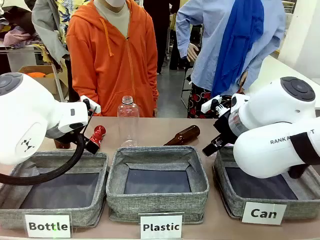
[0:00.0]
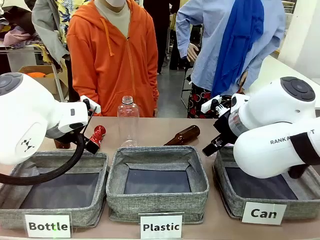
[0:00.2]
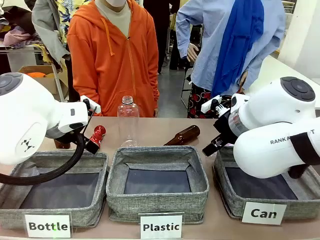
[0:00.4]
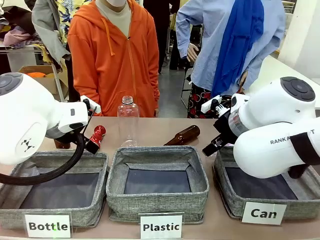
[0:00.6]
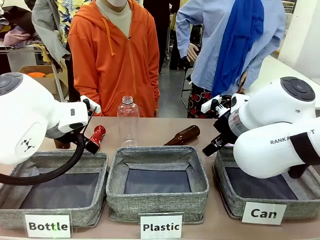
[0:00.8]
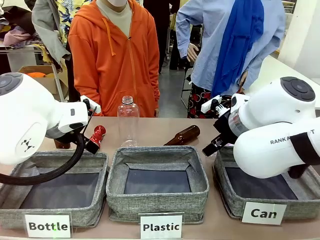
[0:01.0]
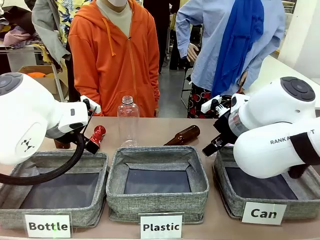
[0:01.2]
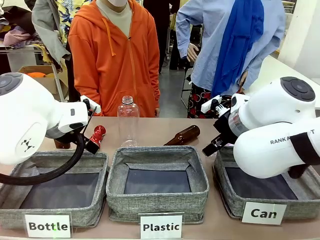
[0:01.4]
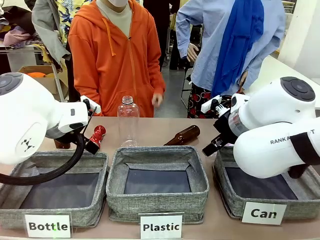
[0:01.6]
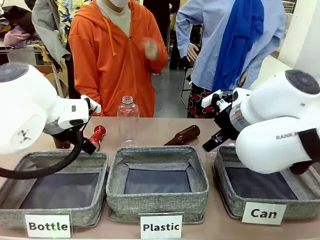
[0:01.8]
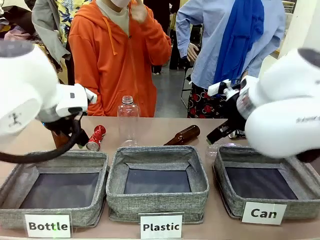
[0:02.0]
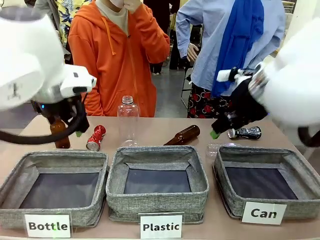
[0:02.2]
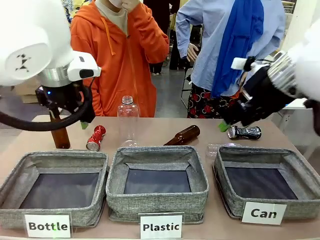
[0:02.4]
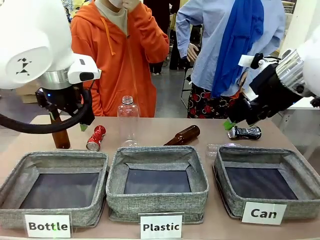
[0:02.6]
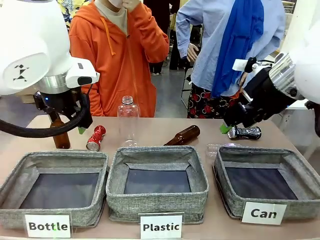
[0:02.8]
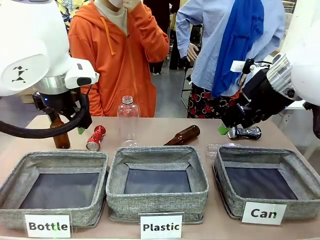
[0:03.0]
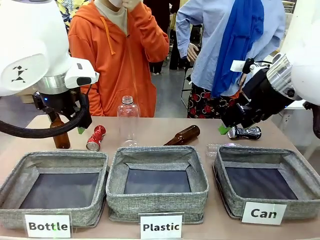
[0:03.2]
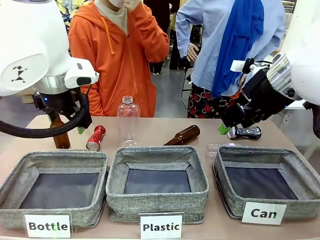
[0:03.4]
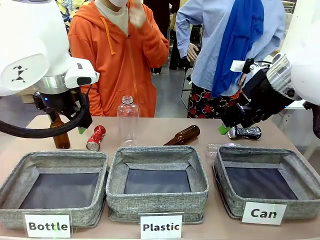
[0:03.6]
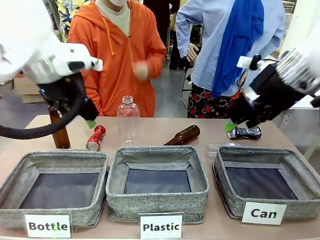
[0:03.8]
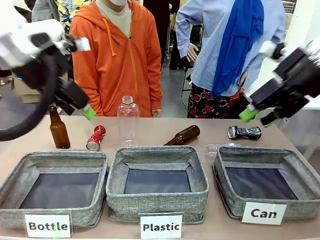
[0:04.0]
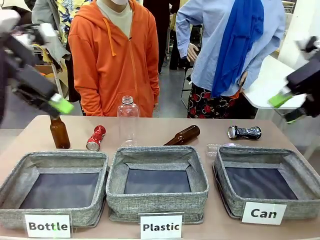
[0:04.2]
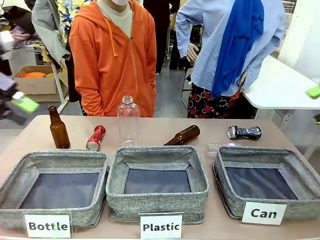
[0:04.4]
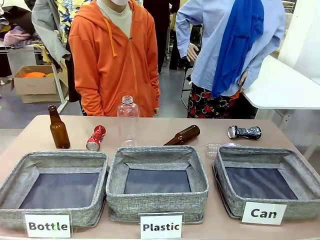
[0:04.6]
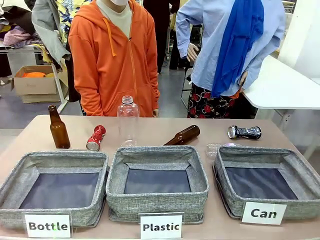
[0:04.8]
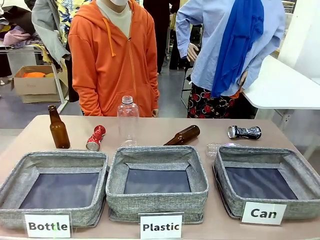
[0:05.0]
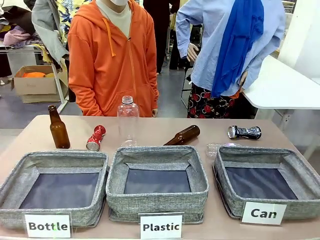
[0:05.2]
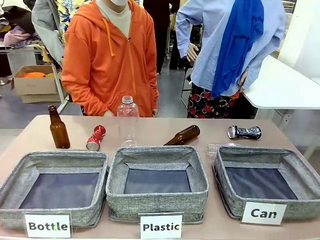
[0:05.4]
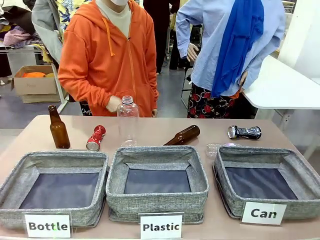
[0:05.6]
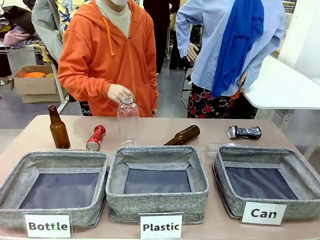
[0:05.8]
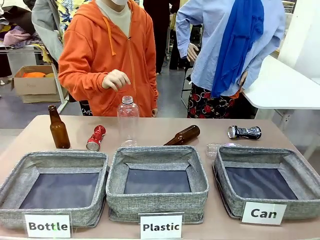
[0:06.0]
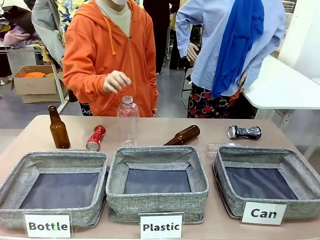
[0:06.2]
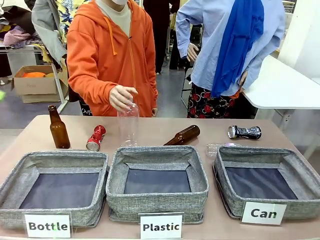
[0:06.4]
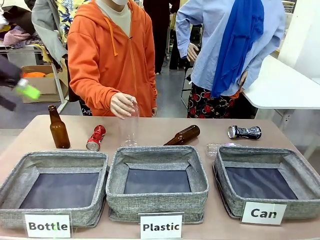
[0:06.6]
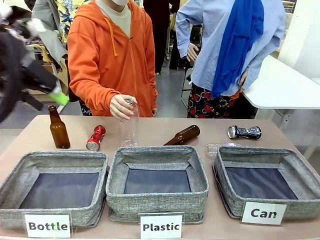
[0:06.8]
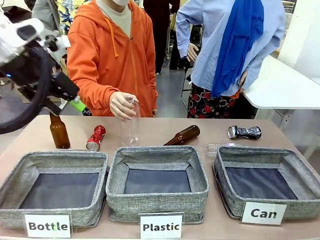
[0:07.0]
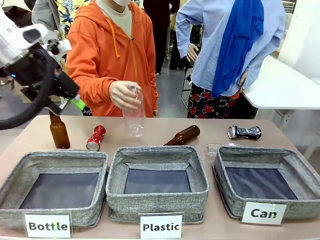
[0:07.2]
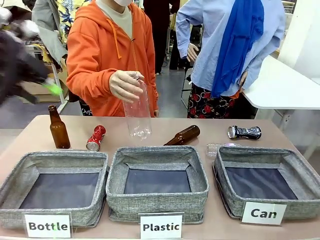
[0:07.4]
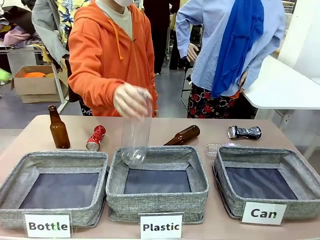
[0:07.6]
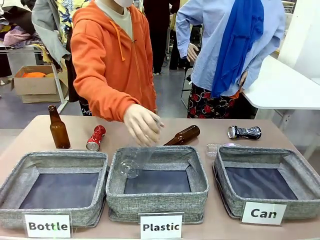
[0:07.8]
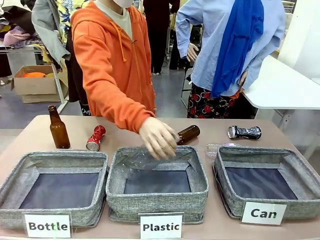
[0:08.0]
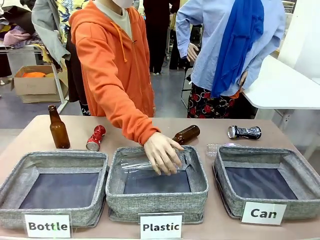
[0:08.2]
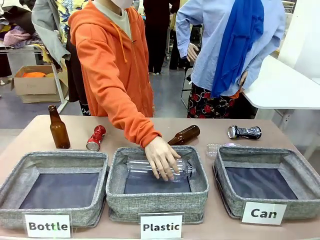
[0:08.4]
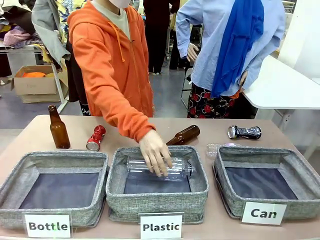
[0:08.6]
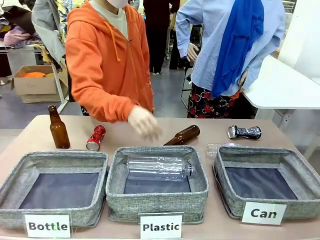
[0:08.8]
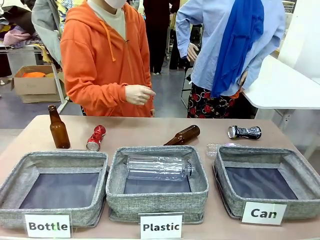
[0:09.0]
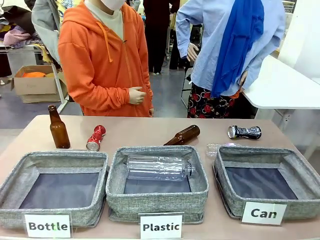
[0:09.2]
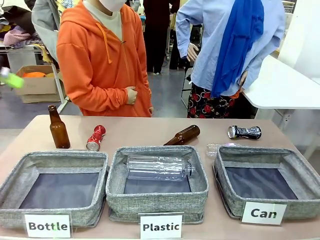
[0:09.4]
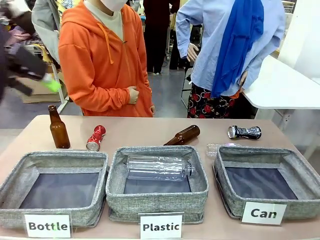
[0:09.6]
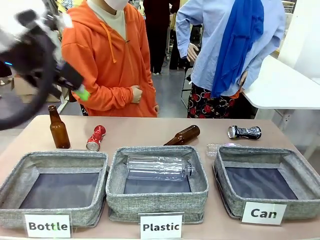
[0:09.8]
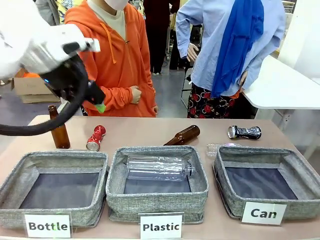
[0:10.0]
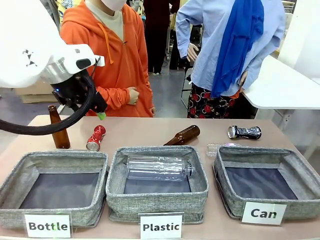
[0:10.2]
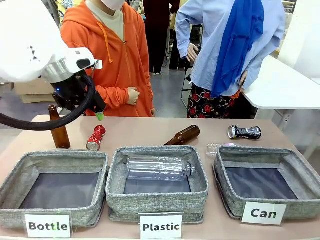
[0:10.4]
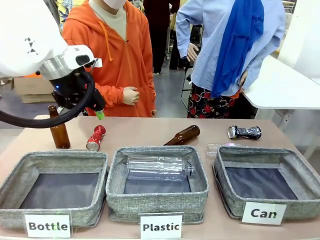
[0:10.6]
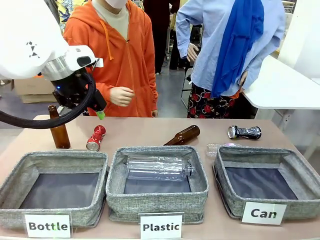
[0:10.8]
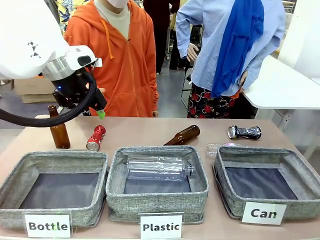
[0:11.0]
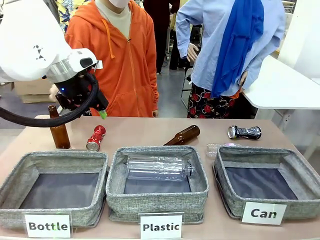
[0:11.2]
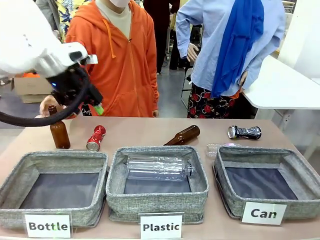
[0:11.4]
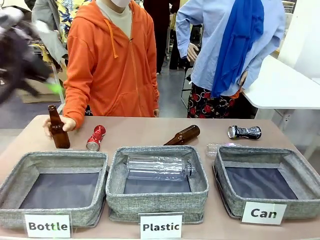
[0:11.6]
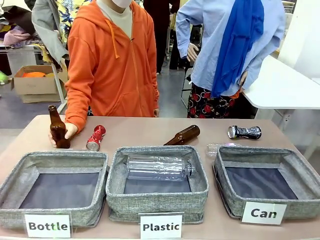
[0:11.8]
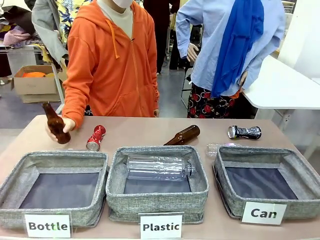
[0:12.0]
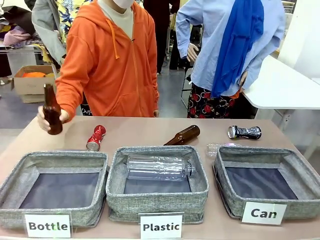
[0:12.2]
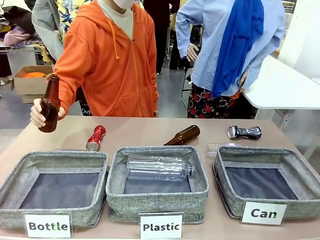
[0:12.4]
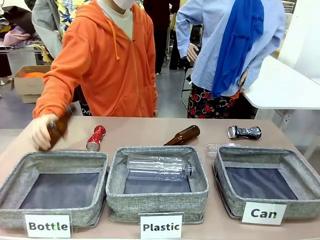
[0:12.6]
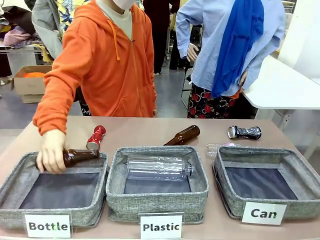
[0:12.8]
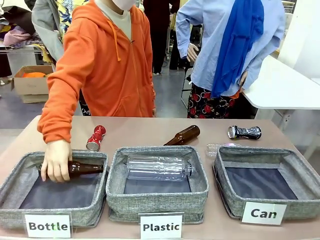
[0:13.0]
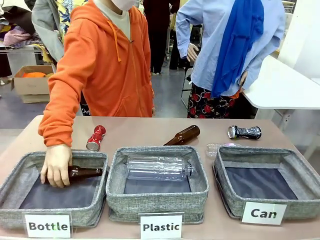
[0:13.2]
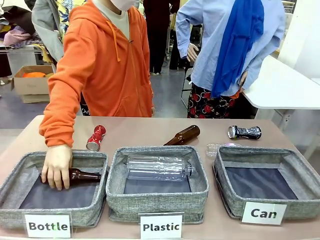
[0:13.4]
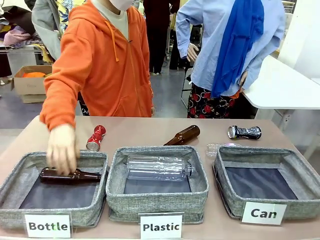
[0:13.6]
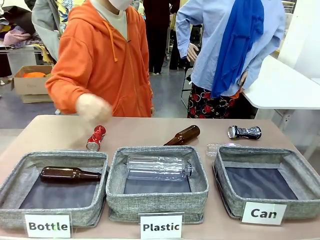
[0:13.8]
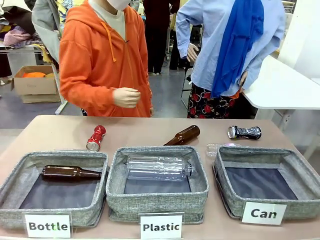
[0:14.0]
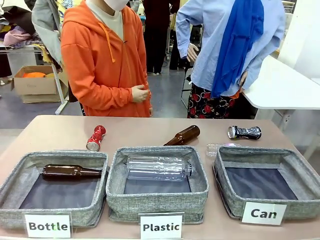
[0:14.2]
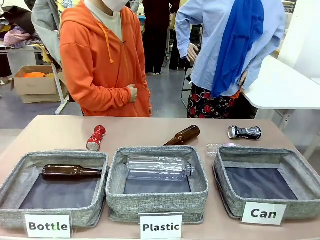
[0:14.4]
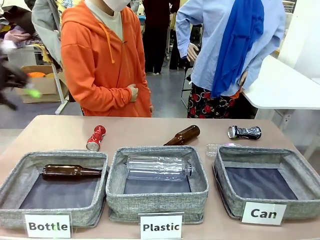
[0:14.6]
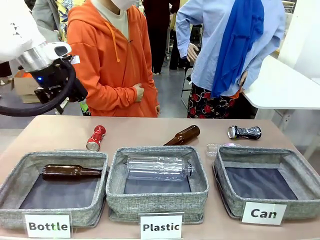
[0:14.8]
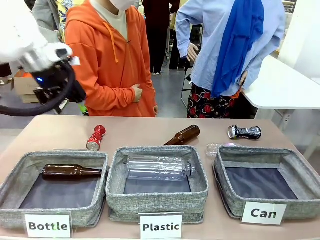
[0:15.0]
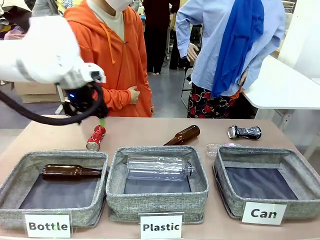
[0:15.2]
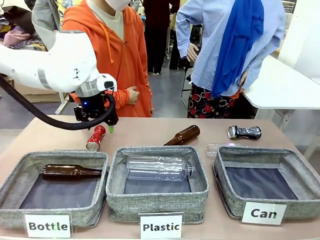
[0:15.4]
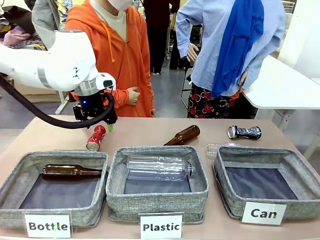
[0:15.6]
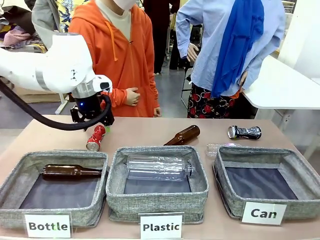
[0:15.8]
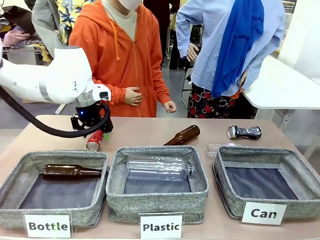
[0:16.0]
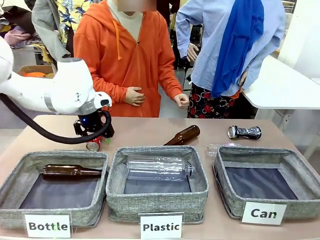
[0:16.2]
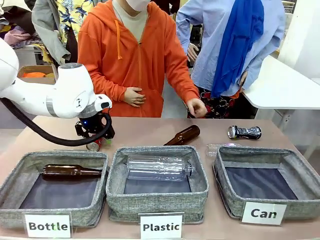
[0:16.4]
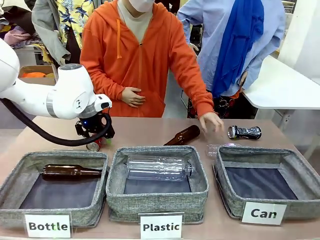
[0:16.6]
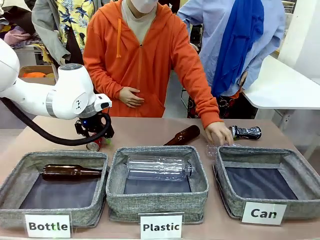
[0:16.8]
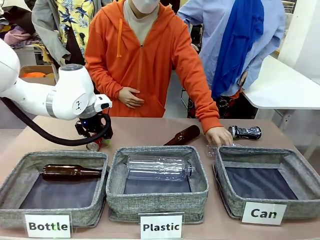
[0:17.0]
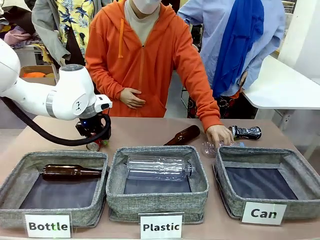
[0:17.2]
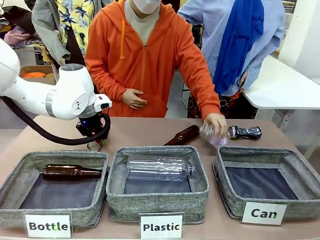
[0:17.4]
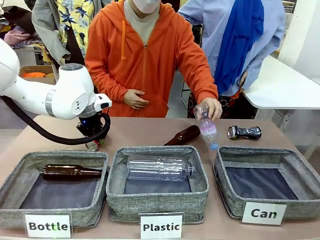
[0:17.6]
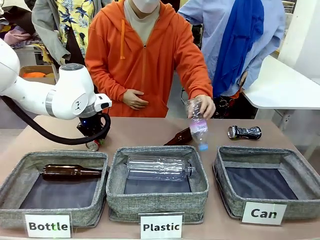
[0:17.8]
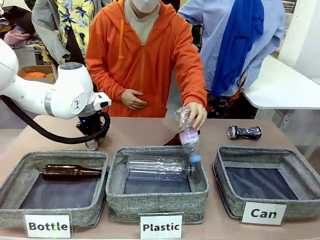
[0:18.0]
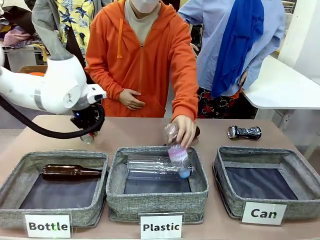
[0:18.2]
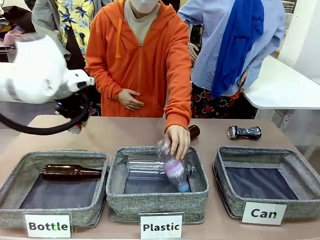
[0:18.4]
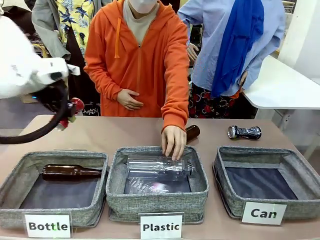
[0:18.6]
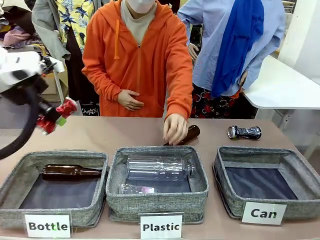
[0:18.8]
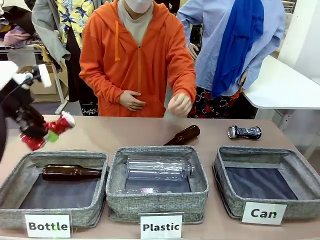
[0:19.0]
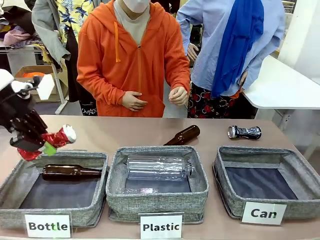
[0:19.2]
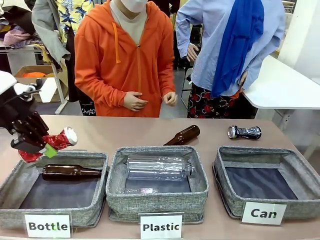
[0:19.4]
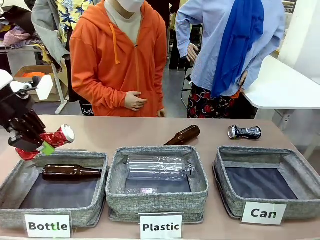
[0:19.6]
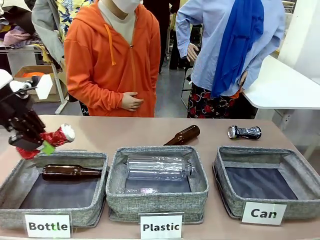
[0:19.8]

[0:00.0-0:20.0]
Task: Sort the can waste into the basket.
Robot: Pick up the can waste from the table and place it in the right Fabric basket.
